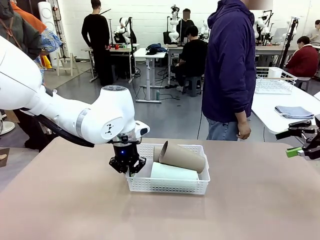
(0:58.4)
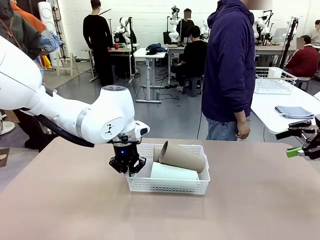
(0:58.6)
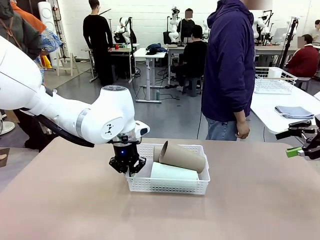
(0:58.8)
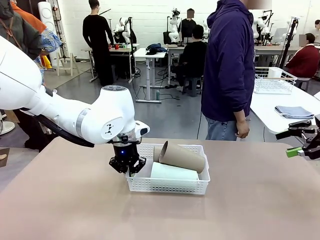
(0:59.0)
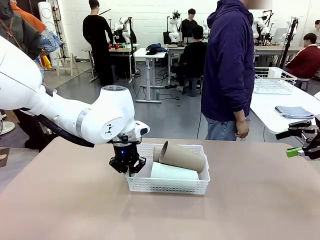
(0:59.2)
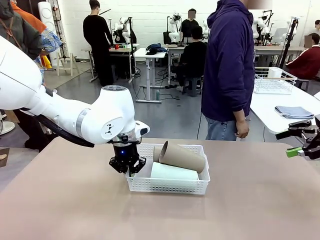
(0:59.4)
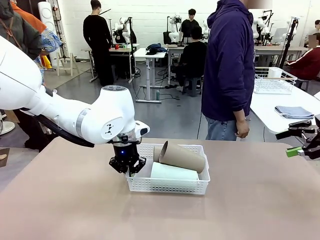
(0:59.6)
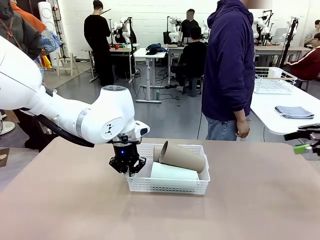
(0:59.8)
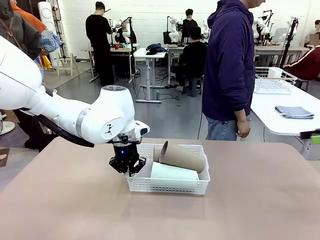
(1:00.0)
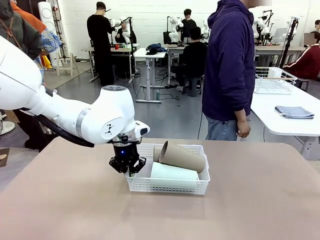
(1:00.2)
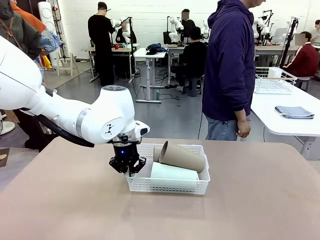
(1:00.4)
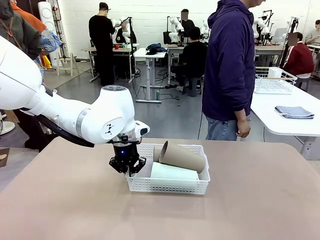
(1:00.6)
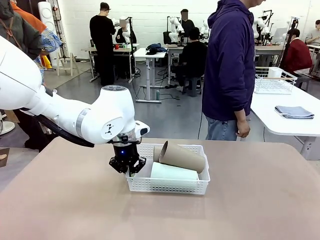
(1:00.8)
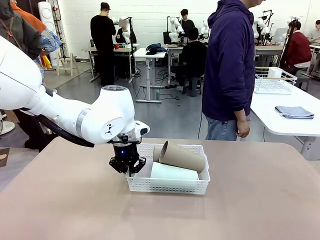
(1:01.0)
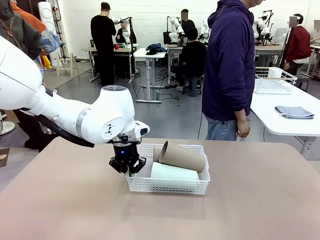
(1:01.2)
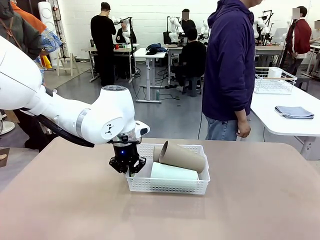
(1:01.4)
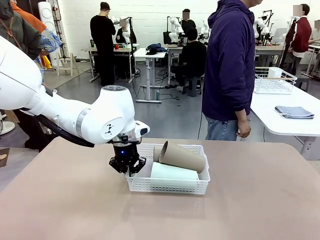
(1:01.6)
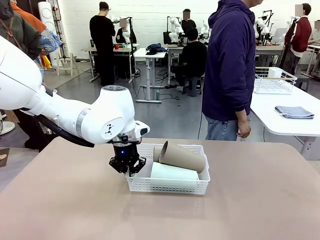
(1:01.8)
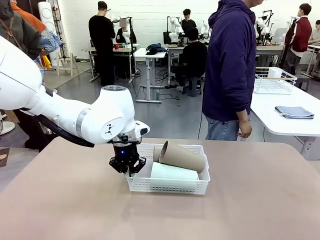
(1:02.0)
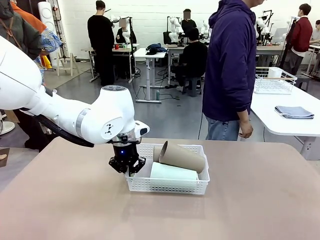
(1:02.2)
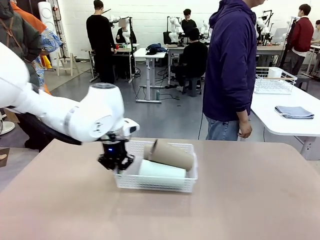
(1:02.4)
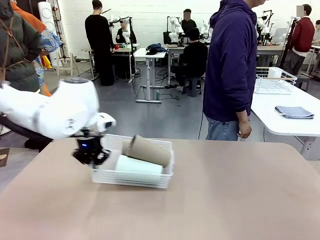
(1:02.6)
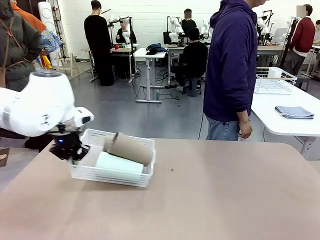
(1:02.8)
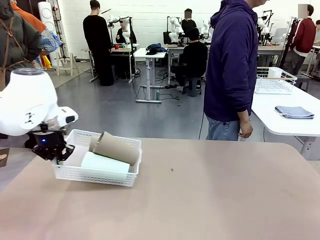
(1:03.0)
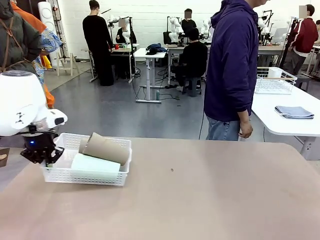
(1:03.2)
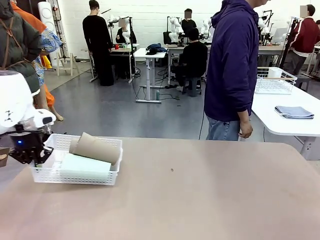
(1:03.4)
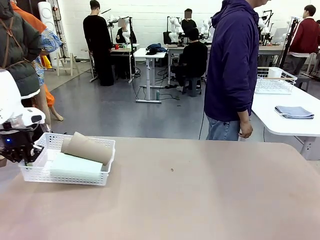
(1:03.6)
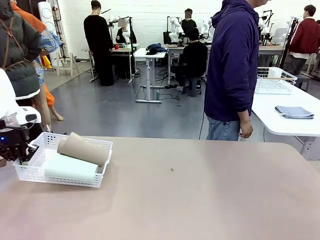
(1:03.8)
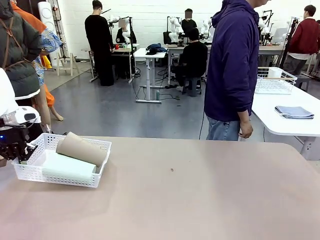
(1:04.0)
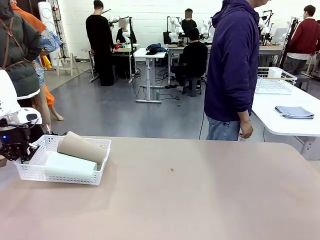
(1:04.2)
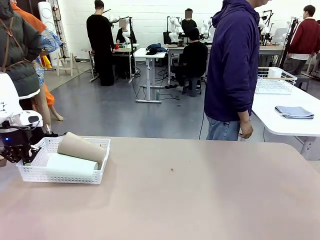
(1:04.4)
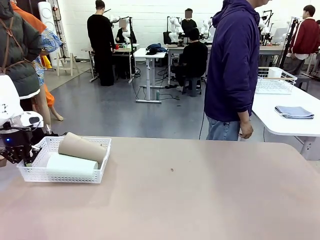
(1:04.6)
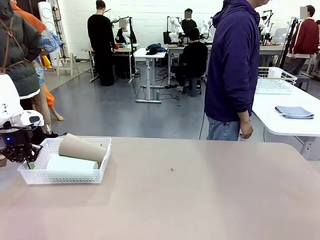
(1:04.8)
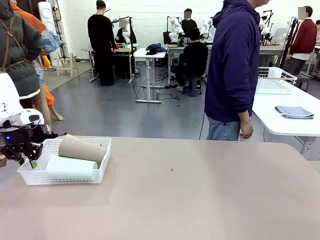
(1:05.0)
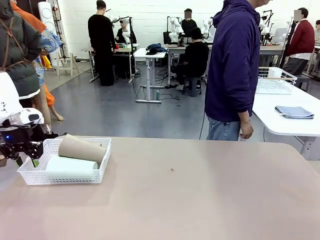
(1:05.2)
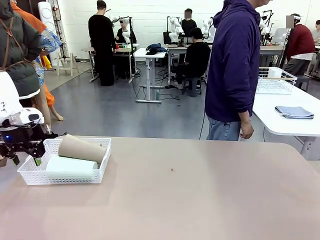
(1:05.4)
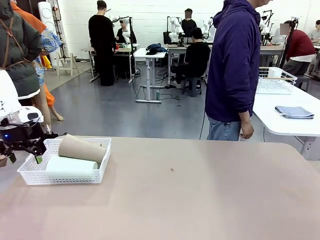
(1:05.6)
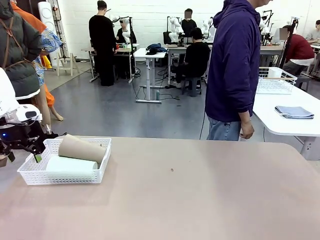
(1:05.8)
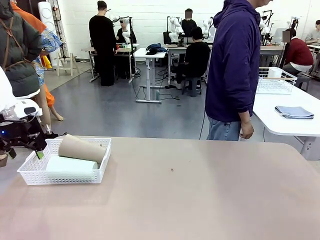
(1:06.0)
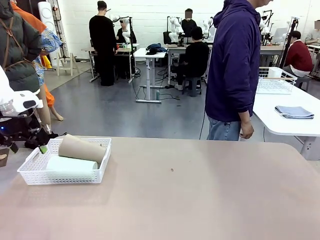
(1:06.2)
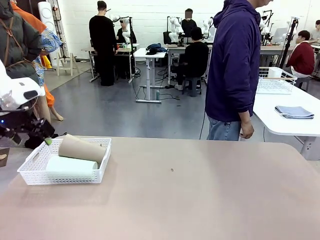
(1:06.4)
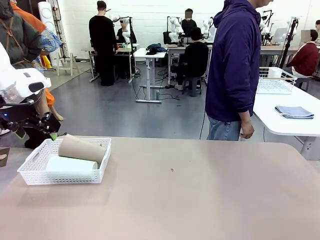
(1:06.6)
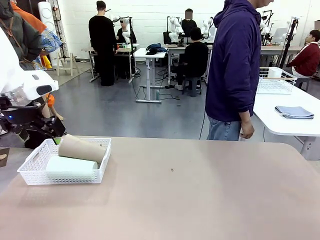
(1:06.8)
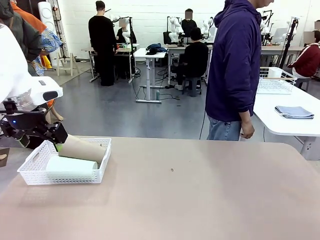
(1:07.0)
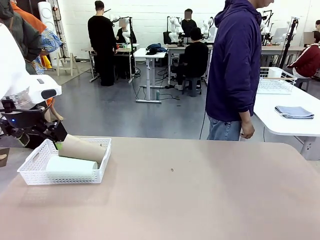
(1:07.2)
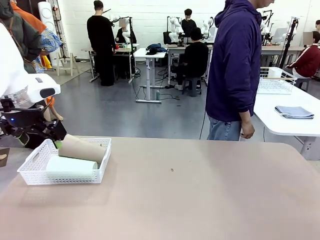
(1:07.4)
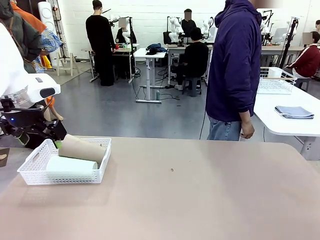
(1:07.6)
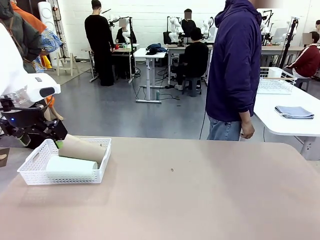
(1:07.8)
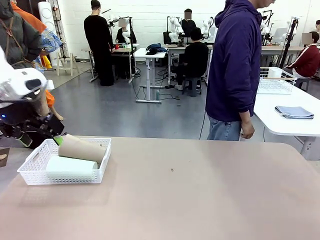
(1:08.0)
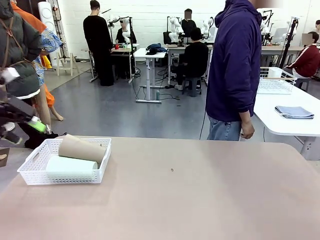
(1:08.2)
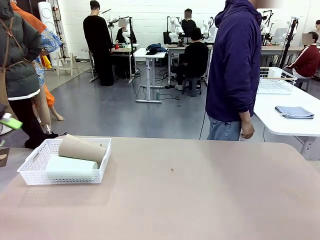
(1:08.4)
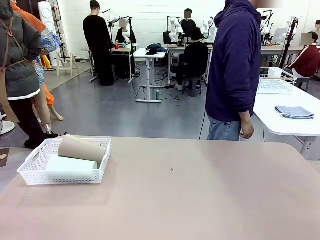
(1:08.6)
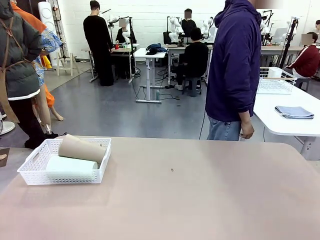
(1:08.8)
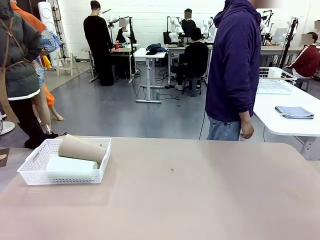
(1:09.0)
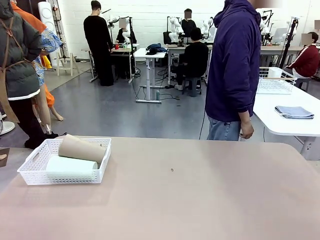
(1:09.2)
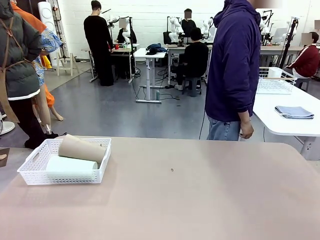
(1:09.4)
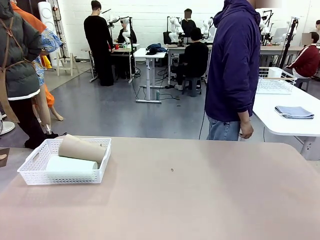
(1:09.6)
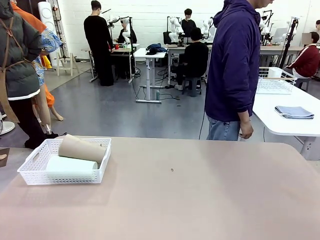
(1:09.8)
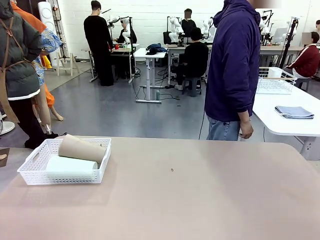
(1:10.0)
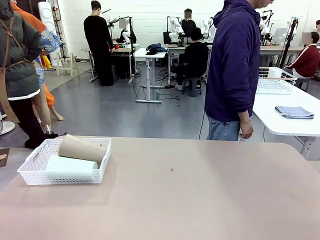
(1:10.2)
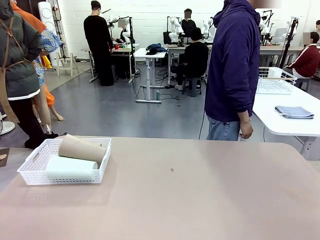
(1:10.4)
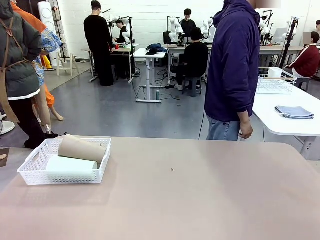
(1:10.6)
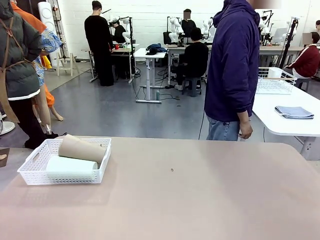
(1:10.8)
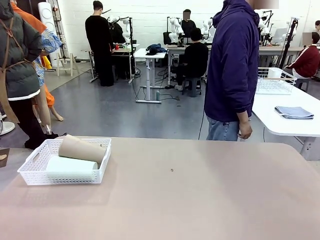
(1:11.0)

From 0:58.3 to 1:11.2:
Task: Clean and organize the cups into the basket.
Robot: Move the Organizing basket back to the left side of the table.
Person: Folds the towel in half twice and places it in the right of the table.

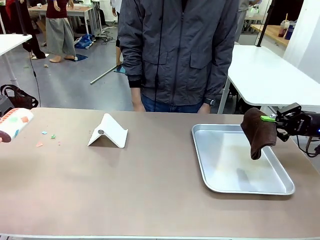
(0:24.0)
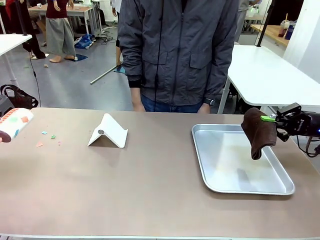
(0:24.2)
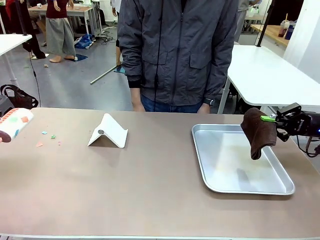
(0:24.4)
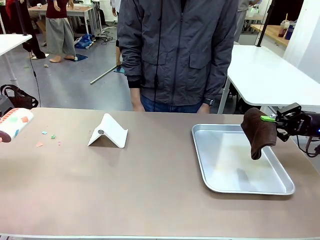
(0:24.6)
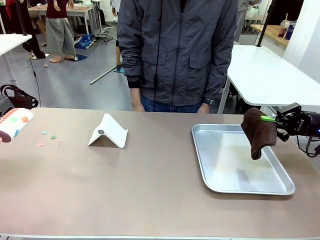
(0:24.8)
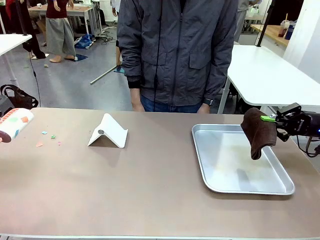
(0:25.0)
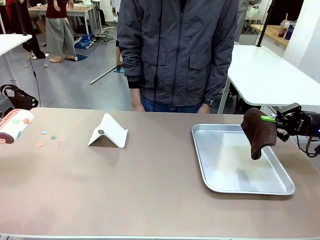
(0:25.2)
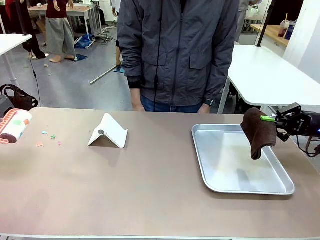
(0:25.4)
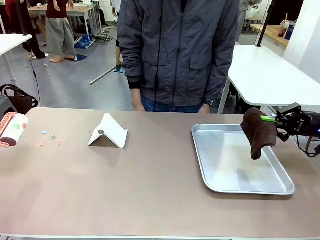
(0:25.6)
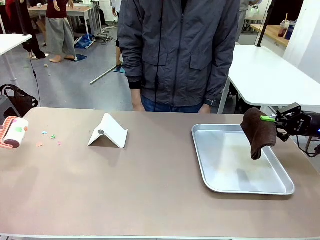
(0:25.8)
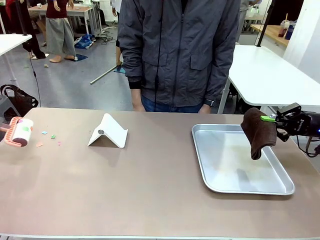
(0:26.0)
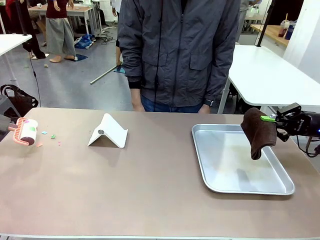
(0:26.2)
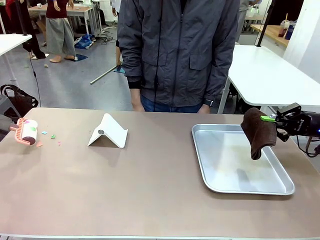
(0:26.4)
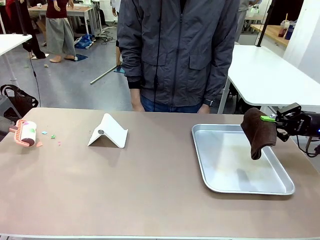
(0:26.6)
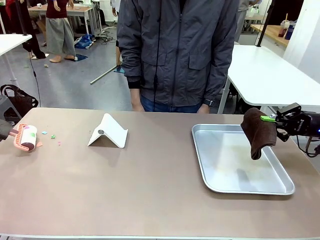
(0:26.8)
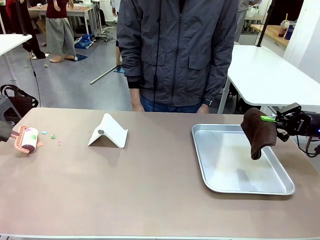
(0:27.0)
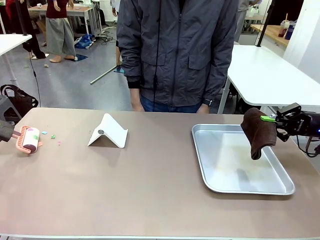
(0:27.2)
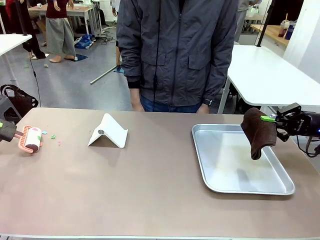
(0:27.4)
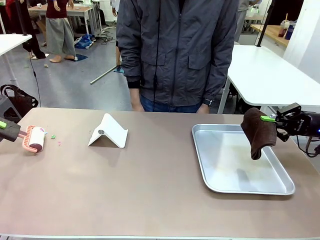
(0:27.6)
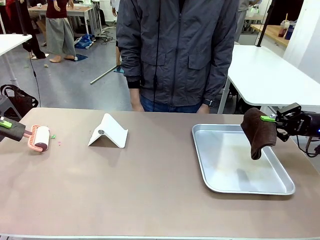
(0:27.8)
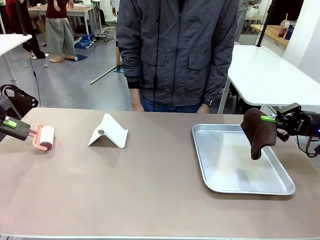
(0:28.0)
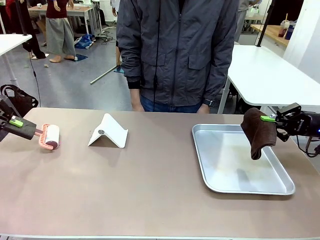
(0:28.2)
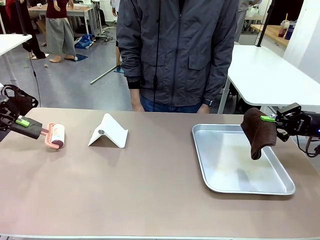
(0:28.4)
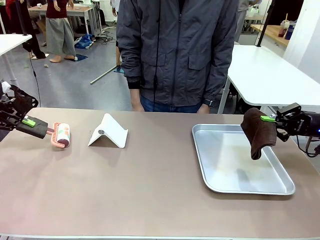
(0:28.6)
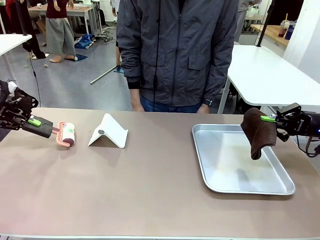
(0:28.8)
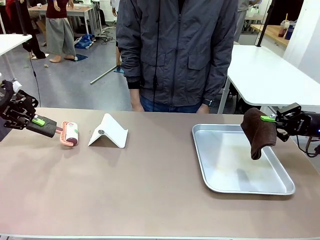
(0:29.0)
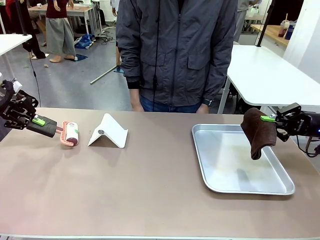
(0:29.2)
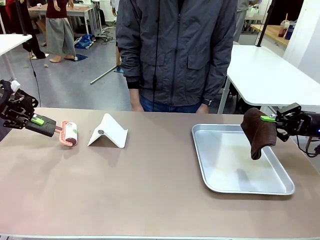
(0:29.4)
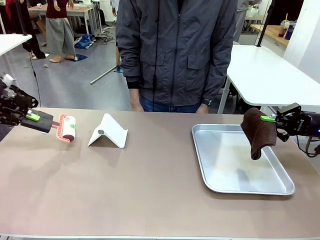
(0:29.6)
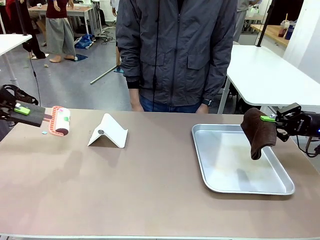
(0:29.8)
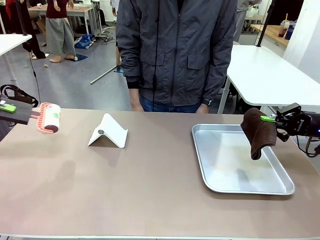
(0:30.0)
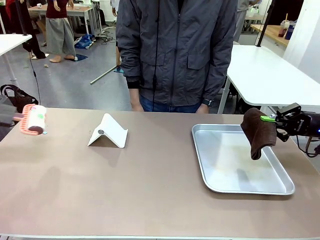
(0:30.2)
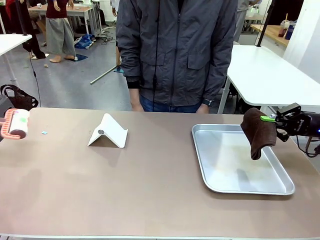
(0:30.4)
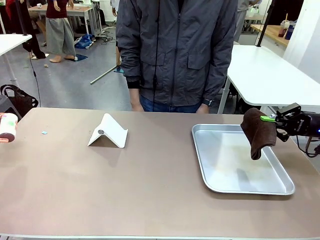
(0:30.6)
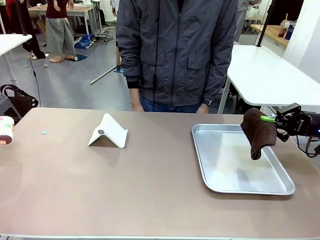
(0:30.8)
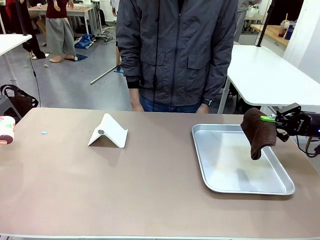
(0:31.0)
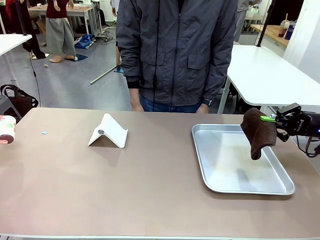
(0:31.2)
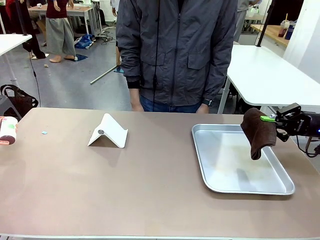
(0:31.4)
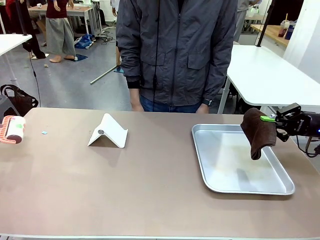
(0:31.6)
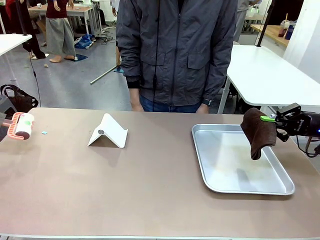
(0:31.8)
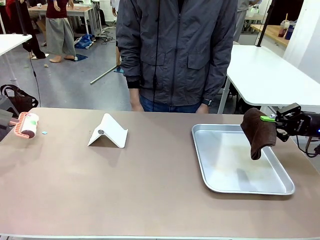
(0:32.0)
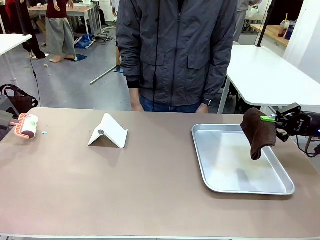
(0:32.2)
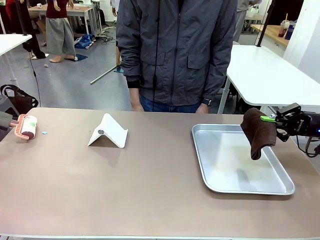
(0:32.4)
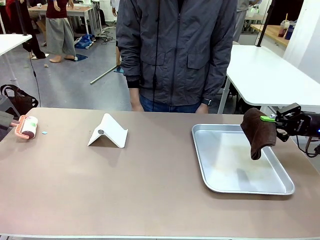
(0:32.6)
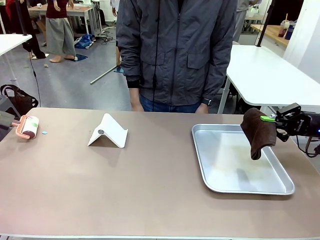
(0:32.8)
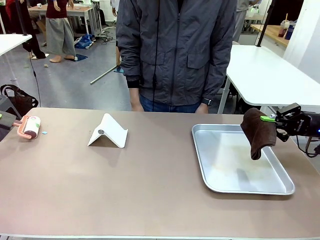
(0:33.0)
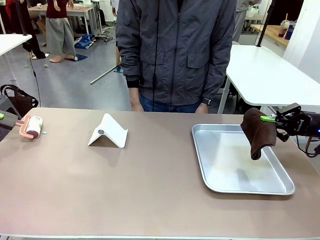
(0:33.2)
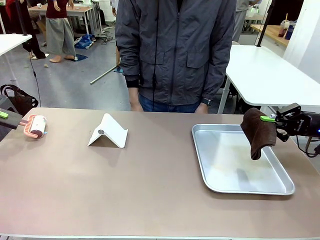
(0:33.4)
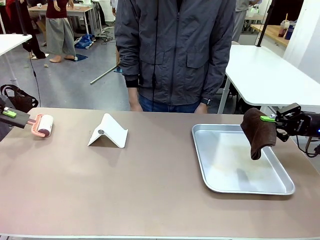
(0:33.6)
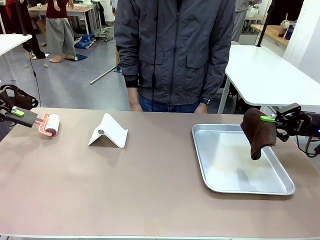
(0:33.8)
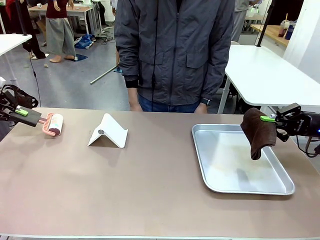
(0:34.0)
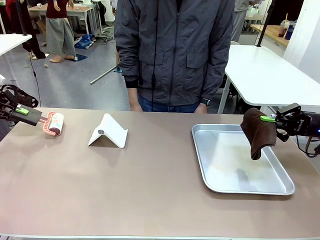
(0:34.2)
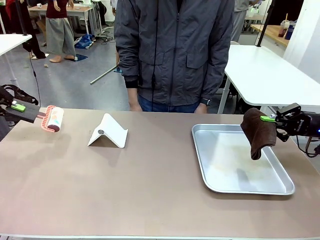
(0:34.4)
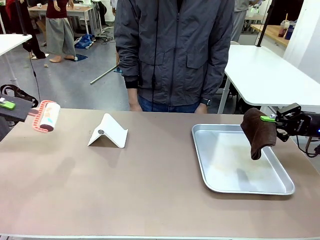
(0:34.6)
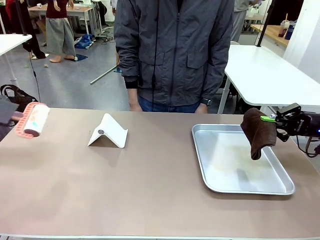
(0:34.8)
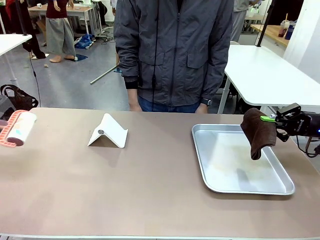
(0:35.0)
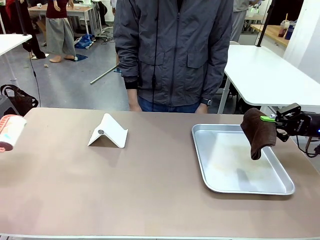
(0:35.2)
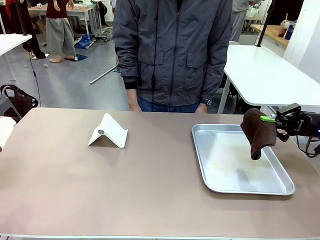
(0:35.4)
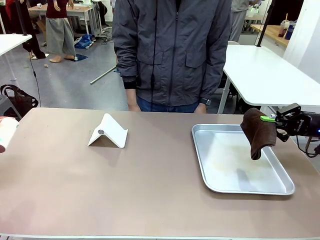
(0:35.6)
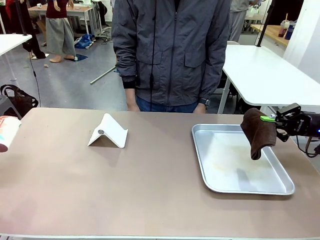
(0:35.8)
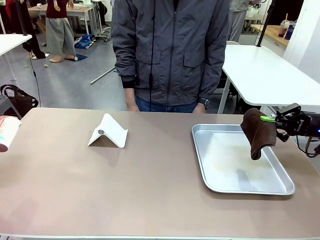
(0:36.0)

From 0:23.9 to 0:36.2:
Task: Clean the surface of the table.
Robot: Clean the area not pointed to by the person.
